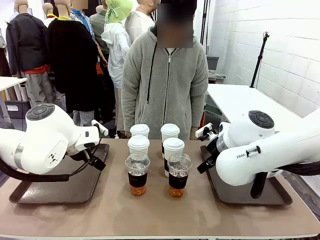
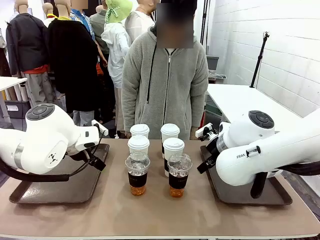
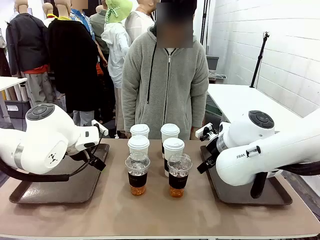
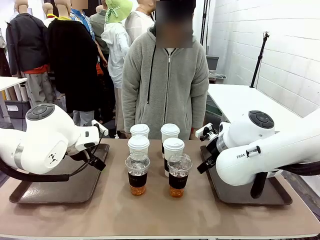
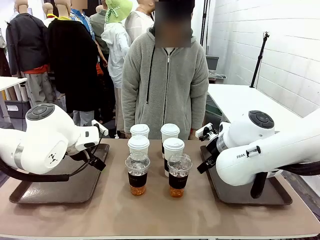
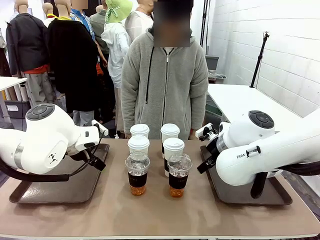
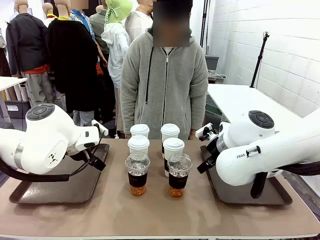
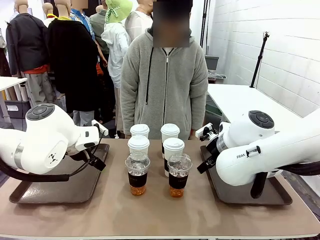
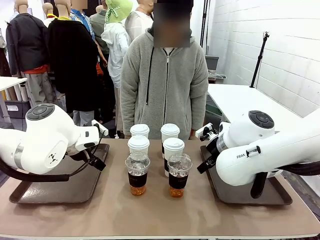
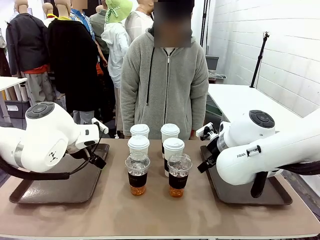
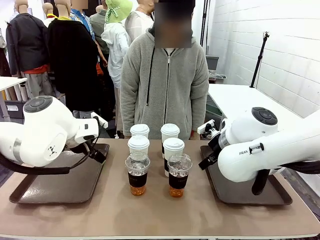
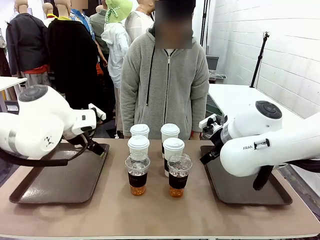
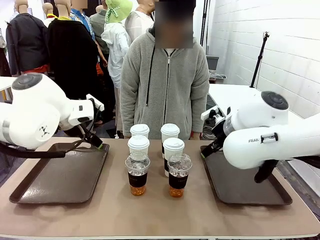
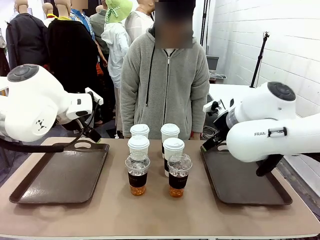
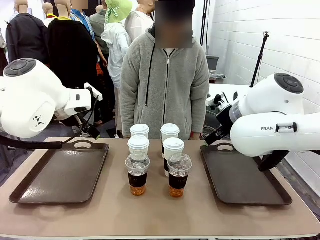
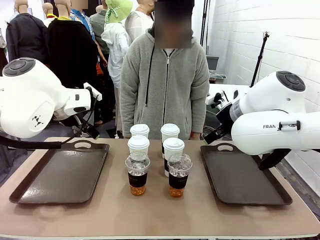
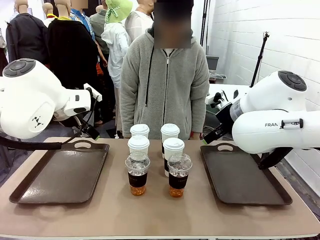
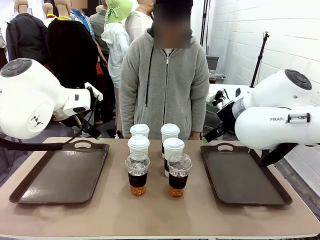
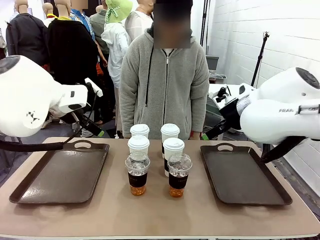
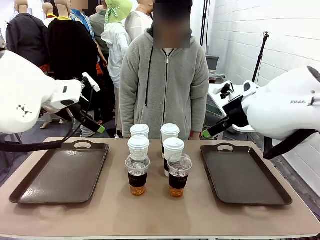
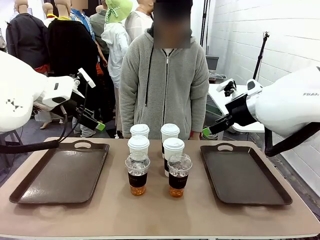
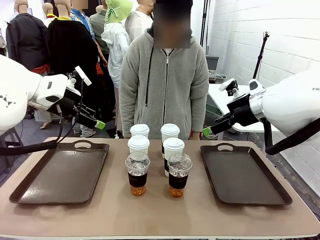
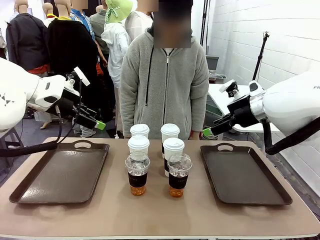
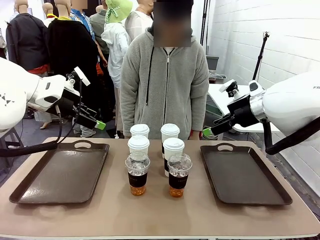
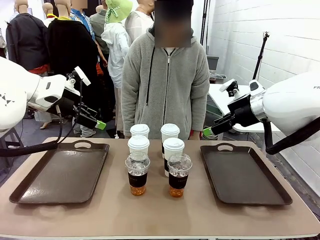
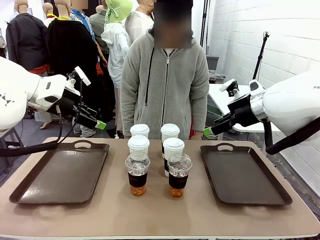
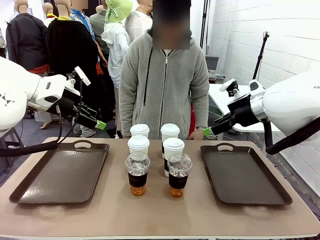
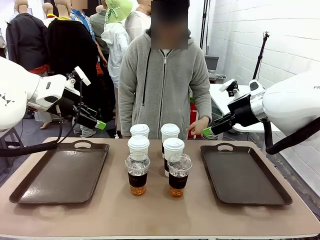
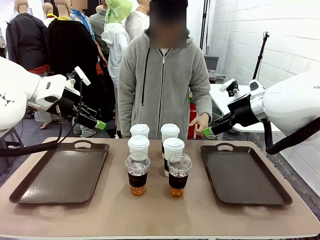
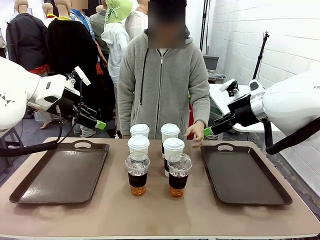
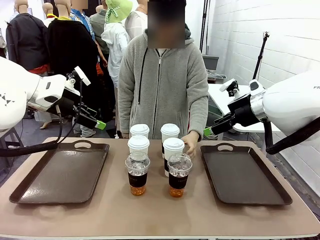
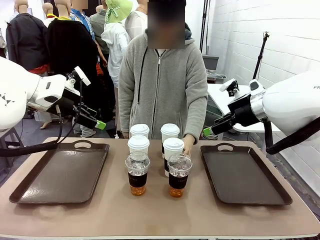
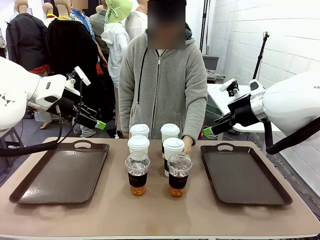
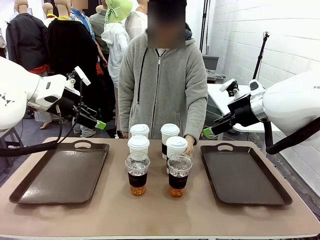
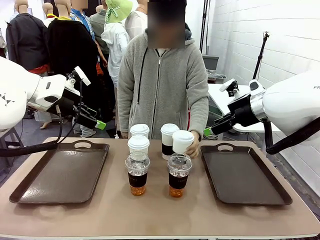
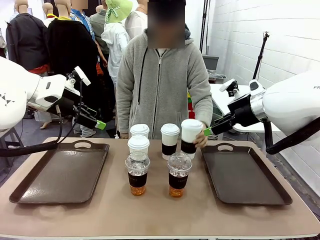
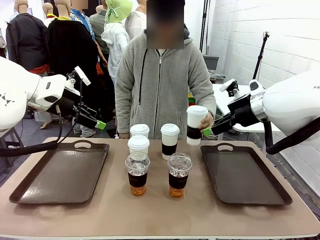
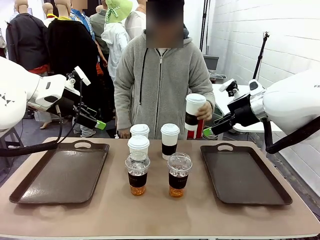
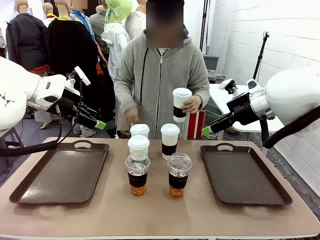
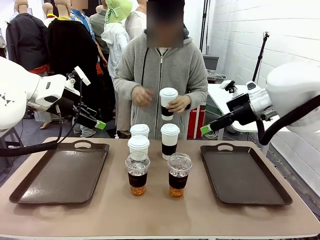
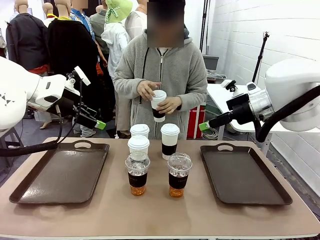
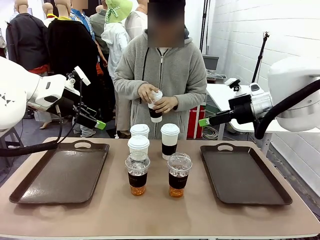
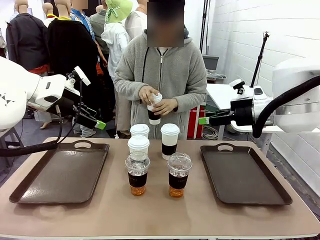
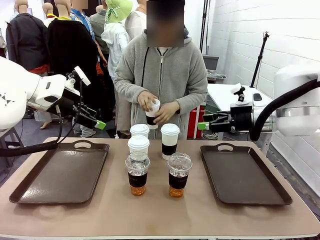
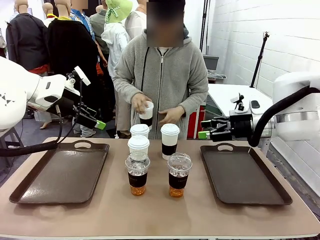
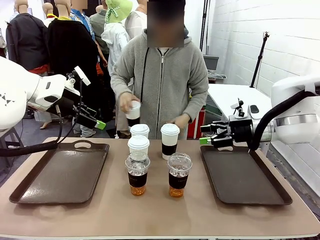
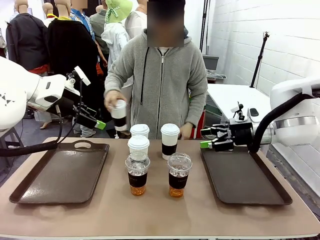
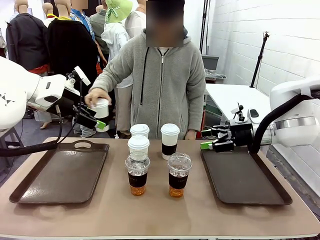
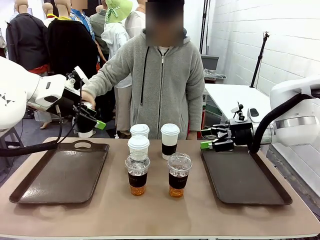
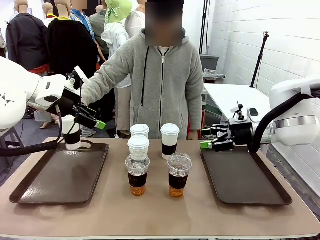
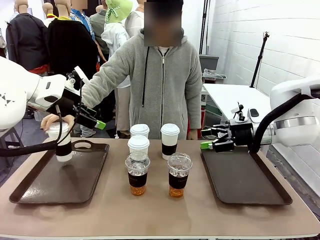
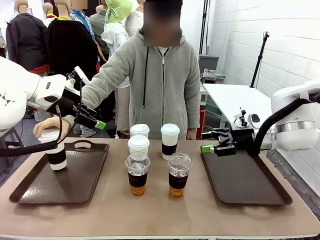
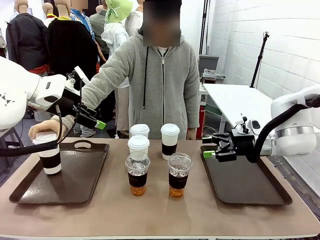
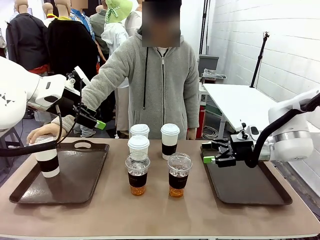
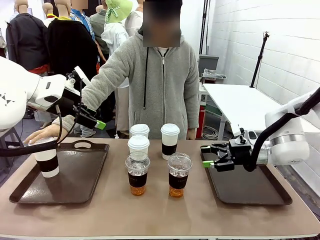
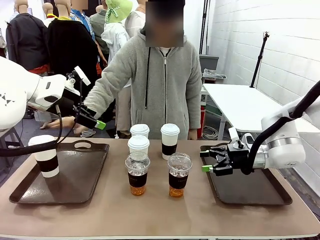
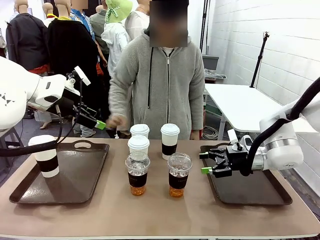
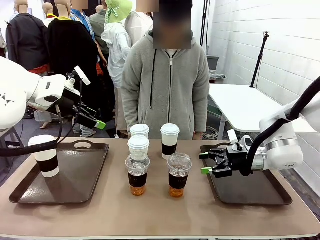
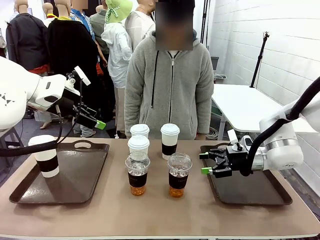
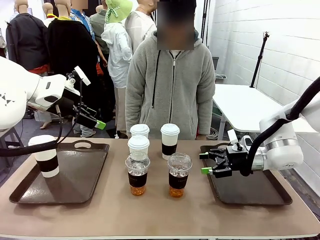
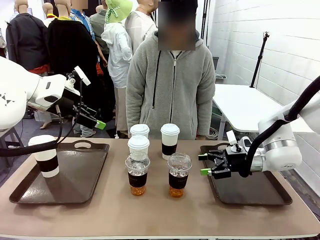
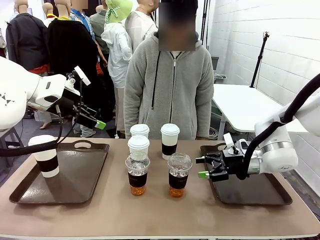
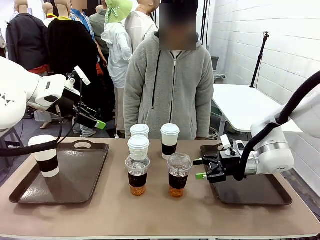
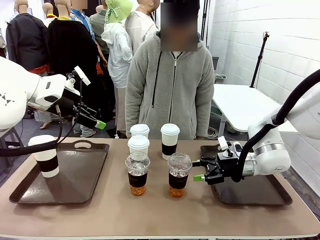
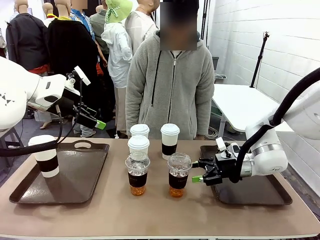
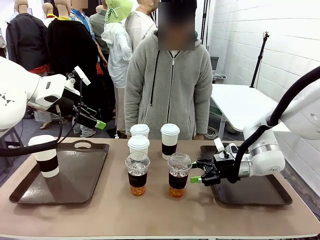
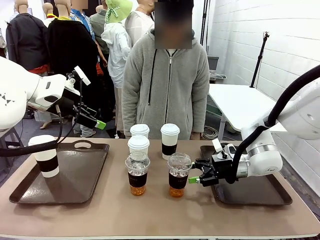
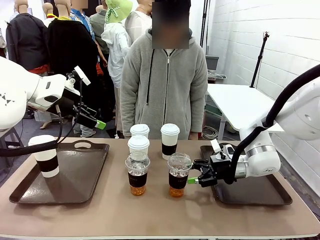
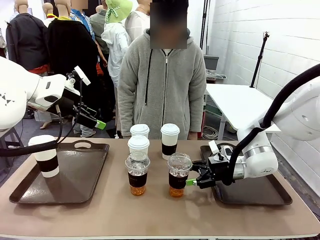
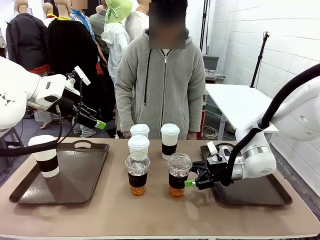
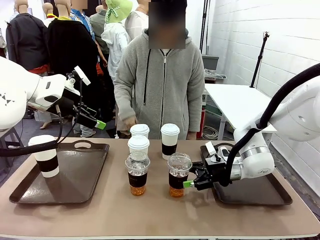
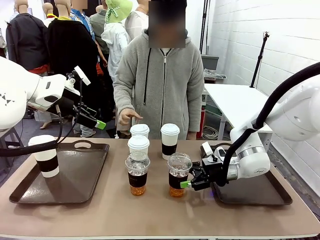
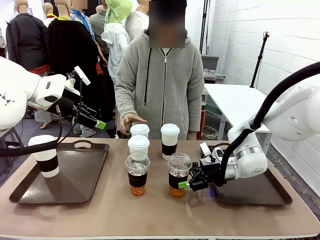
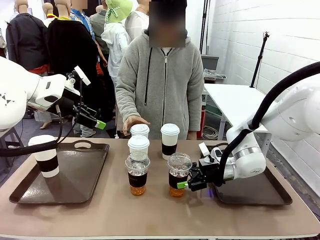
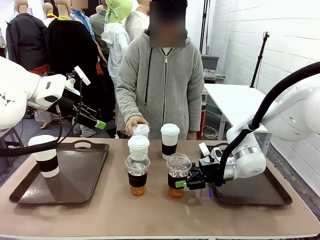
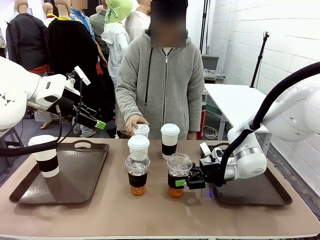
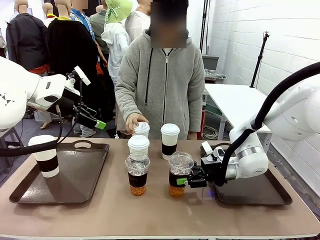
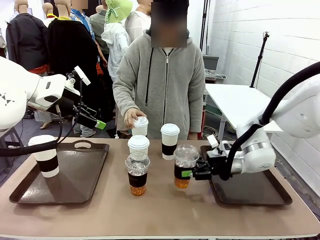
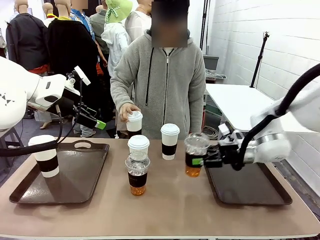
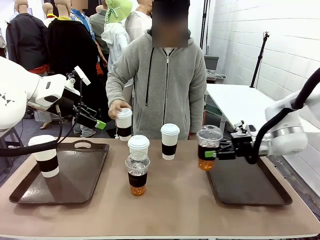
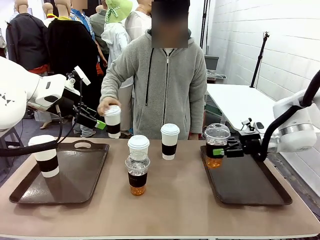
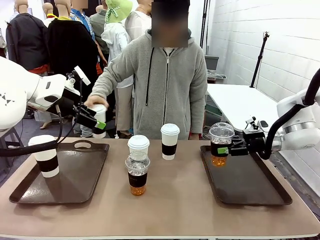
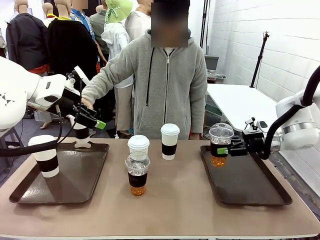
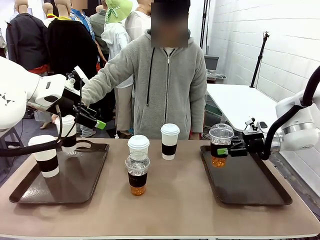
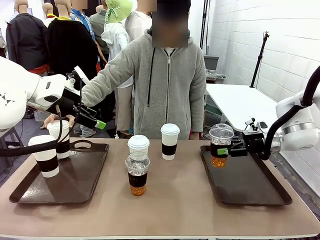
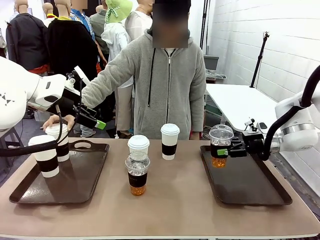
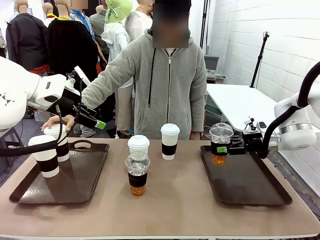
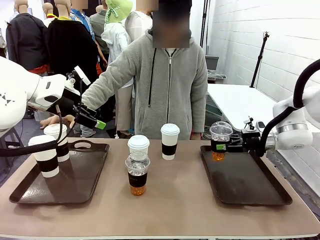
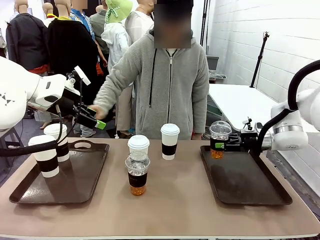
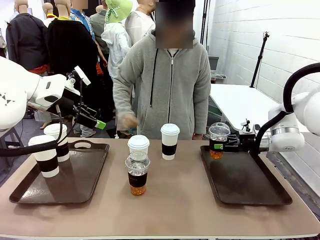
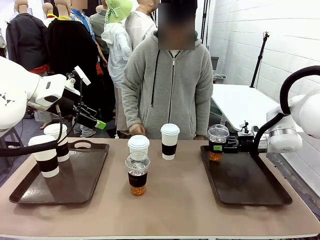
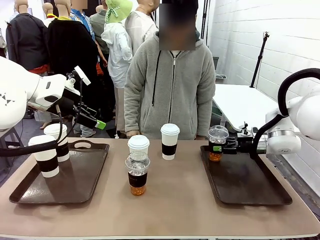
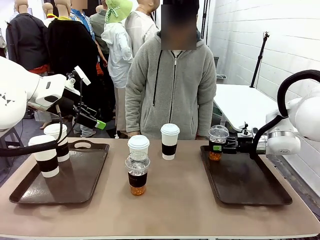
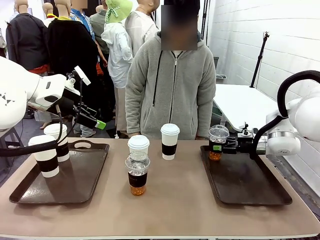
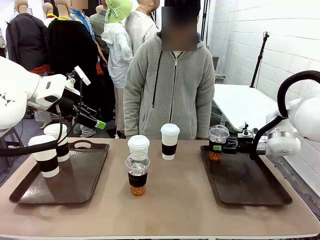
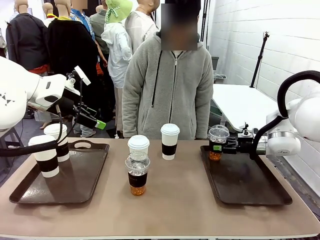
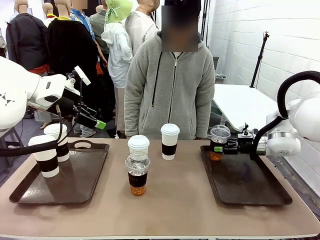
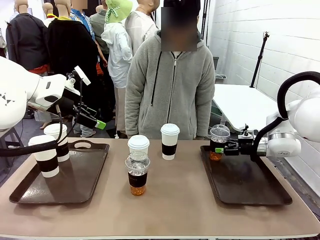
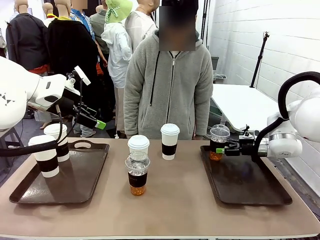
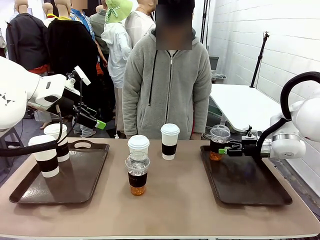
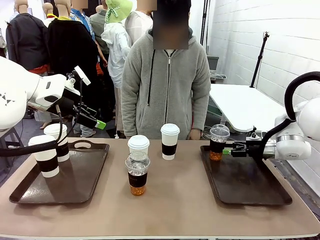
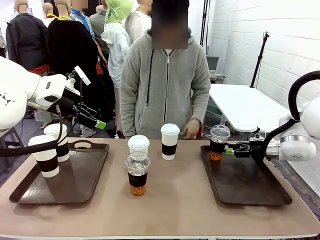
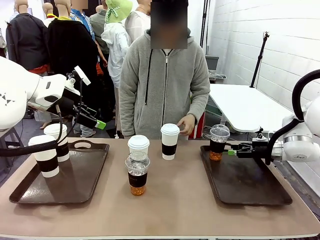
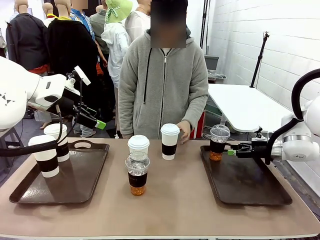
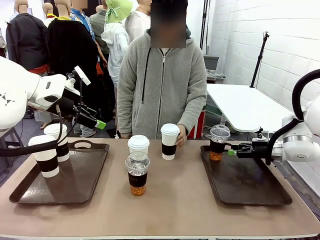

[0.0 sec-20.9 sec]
Task: Distribute the coffee onto the tray.
Robot: Pick up one iced Americano and place it on the right Handle tray.
Person: Pick up a cup of hot Americano and place it on the right tray.
